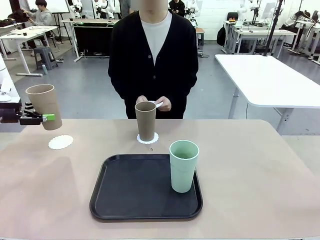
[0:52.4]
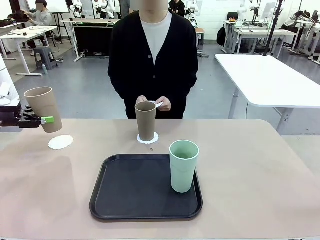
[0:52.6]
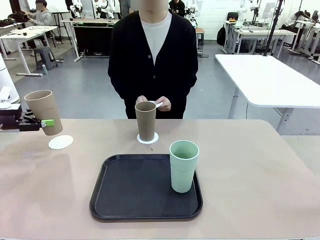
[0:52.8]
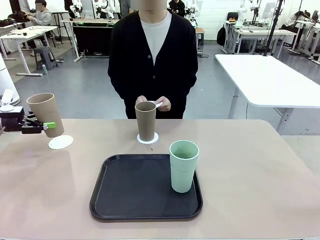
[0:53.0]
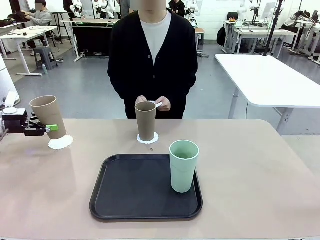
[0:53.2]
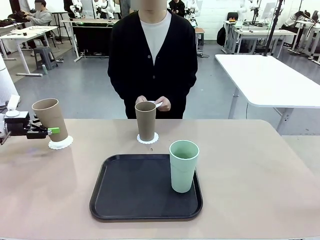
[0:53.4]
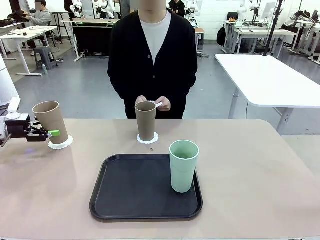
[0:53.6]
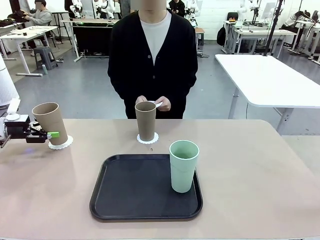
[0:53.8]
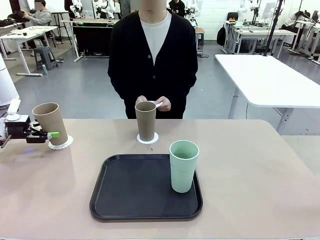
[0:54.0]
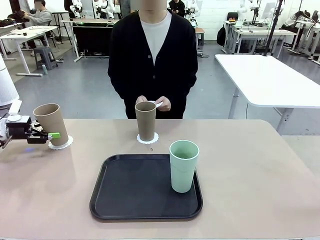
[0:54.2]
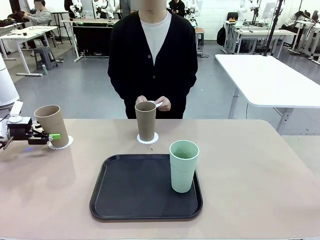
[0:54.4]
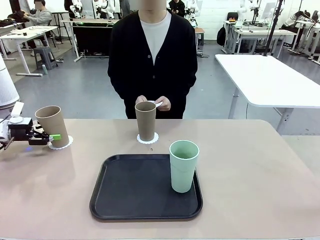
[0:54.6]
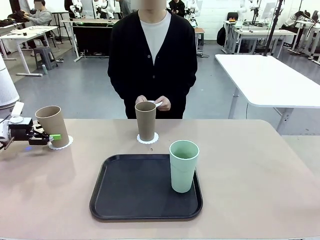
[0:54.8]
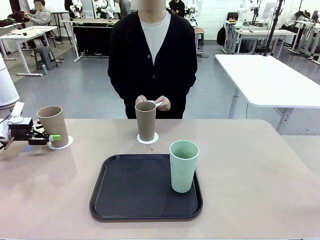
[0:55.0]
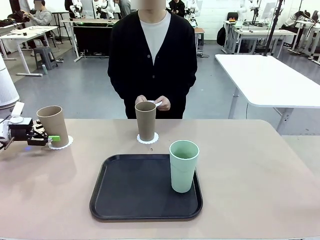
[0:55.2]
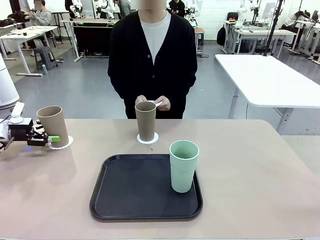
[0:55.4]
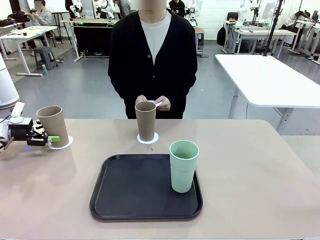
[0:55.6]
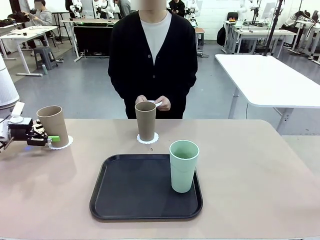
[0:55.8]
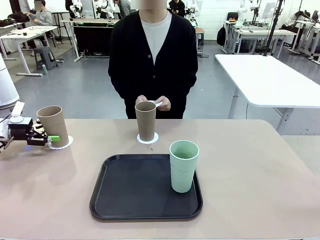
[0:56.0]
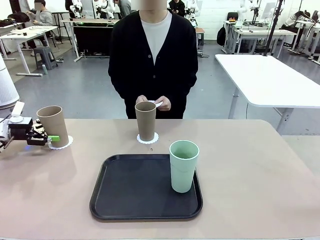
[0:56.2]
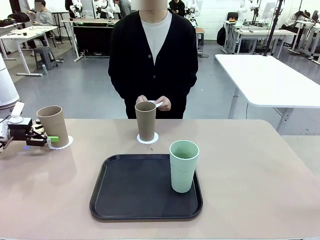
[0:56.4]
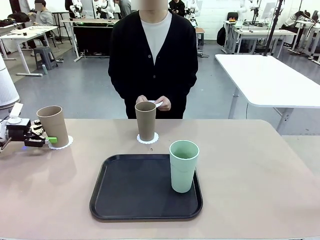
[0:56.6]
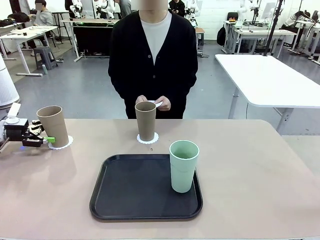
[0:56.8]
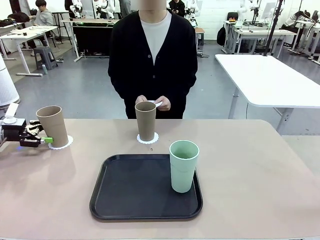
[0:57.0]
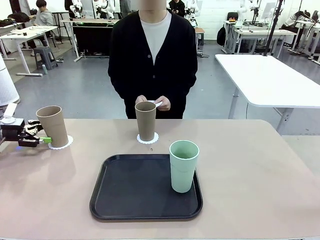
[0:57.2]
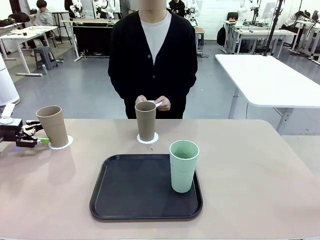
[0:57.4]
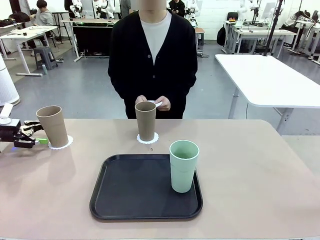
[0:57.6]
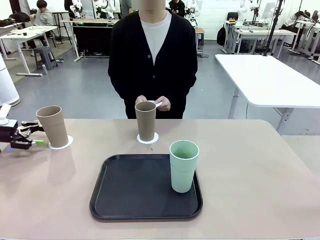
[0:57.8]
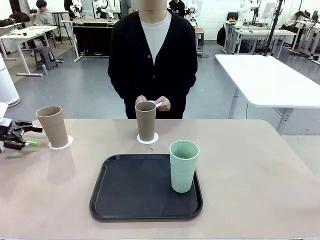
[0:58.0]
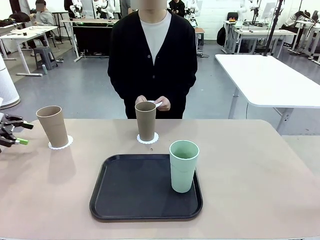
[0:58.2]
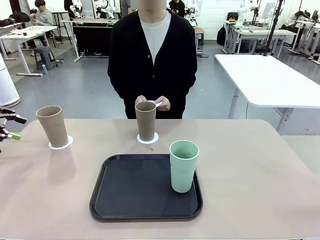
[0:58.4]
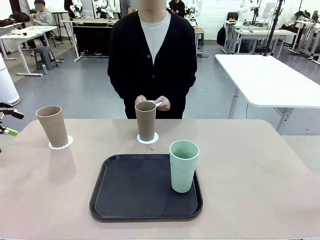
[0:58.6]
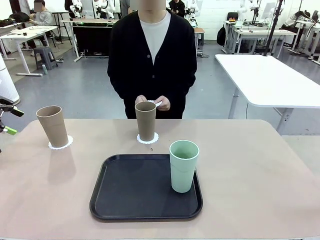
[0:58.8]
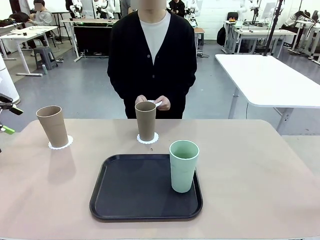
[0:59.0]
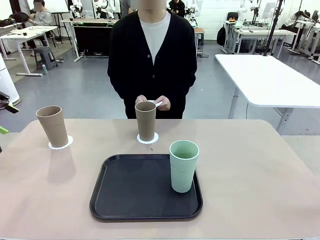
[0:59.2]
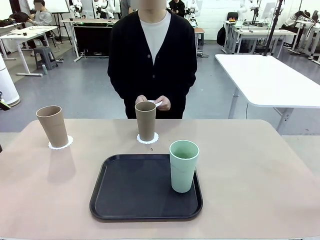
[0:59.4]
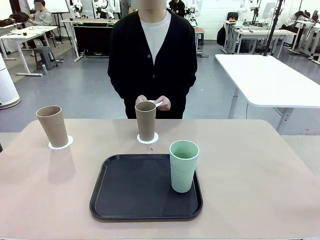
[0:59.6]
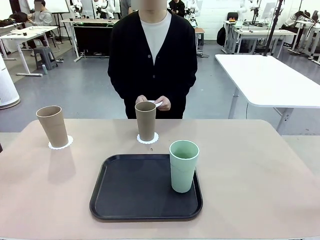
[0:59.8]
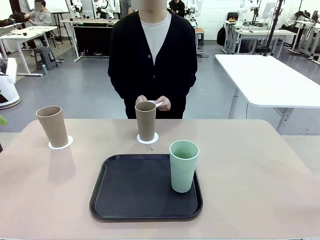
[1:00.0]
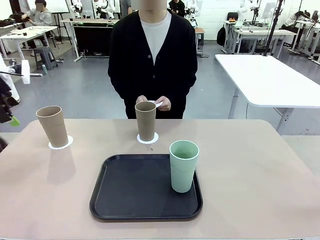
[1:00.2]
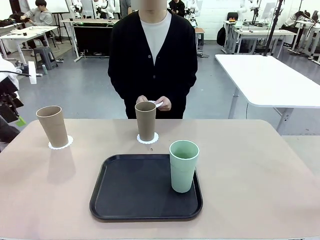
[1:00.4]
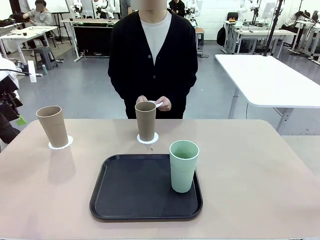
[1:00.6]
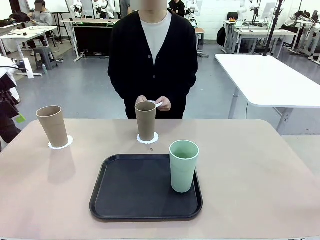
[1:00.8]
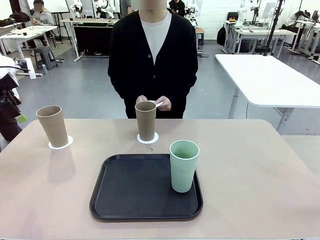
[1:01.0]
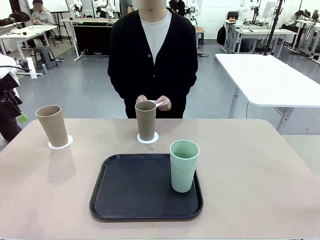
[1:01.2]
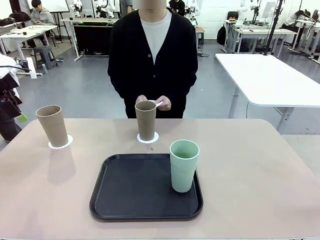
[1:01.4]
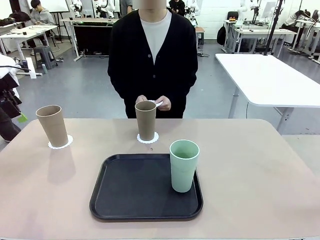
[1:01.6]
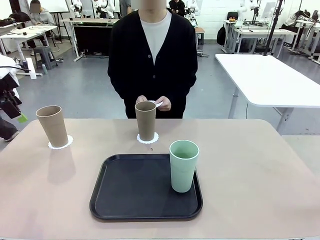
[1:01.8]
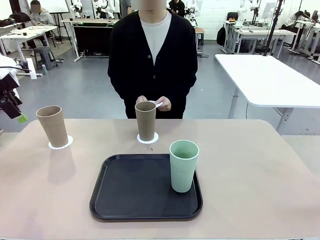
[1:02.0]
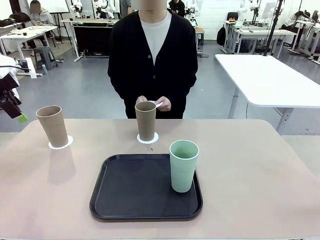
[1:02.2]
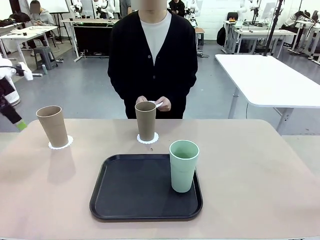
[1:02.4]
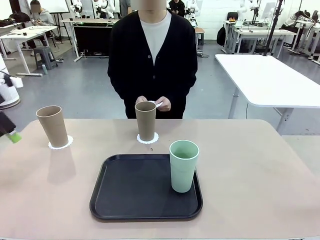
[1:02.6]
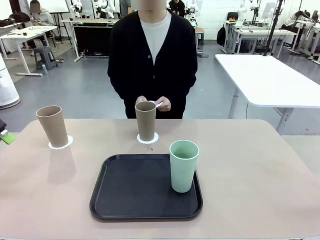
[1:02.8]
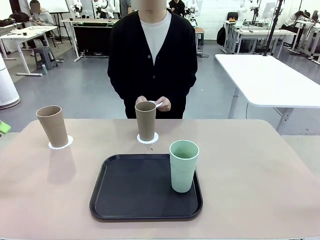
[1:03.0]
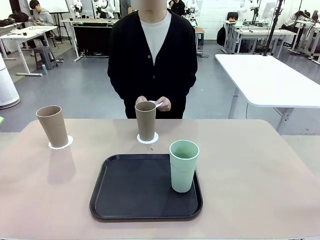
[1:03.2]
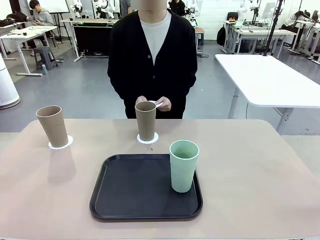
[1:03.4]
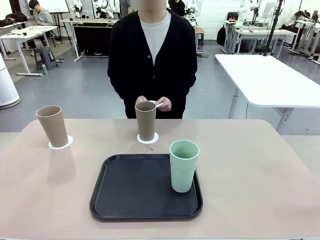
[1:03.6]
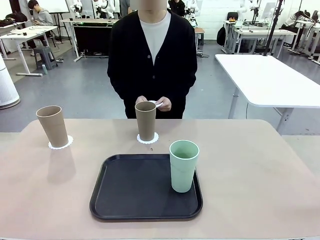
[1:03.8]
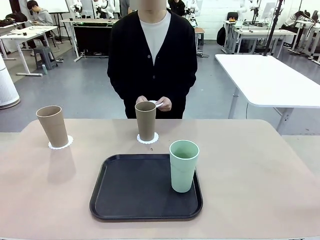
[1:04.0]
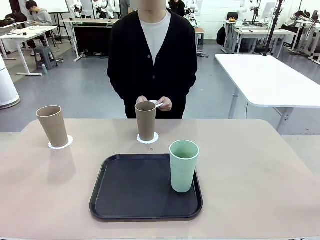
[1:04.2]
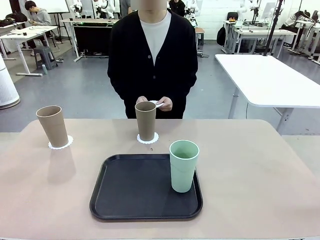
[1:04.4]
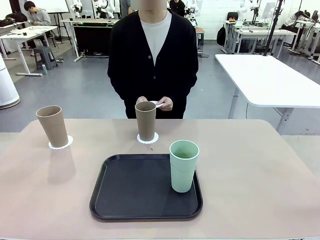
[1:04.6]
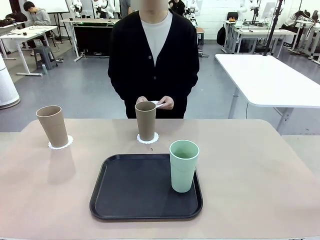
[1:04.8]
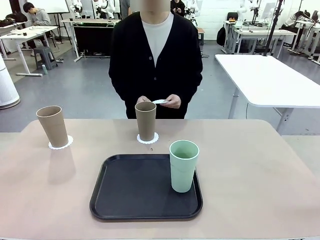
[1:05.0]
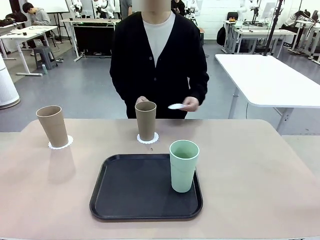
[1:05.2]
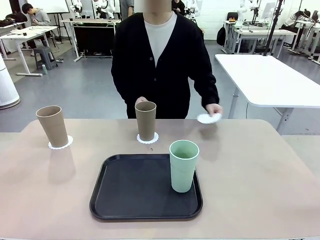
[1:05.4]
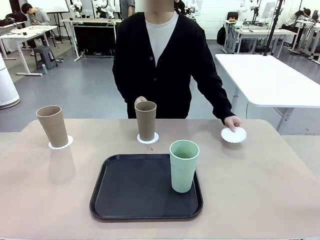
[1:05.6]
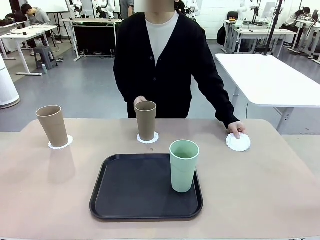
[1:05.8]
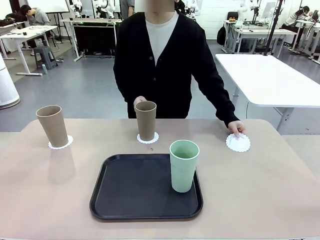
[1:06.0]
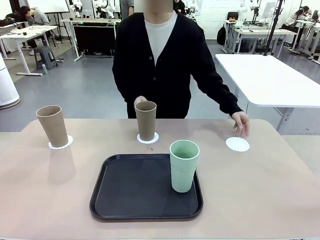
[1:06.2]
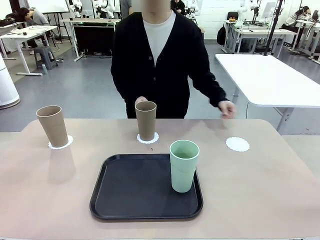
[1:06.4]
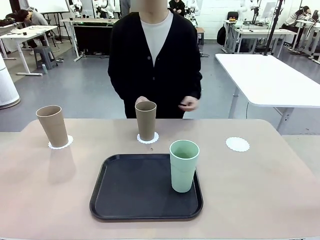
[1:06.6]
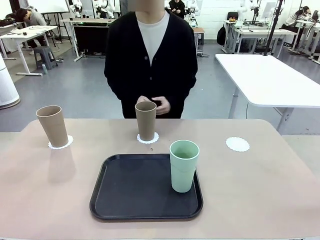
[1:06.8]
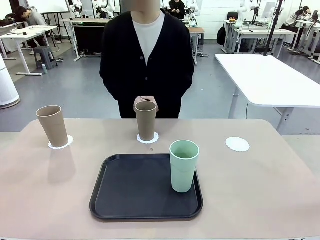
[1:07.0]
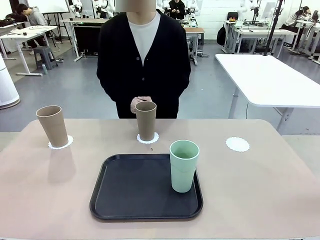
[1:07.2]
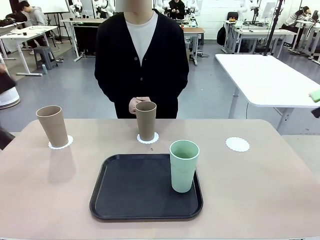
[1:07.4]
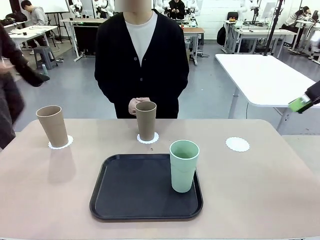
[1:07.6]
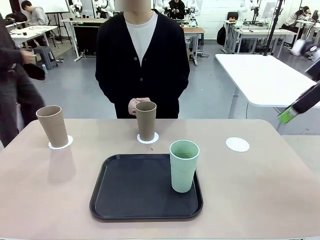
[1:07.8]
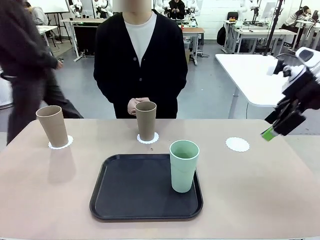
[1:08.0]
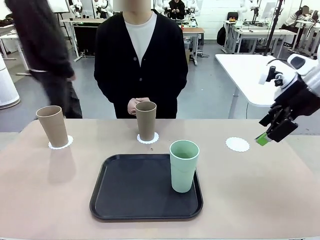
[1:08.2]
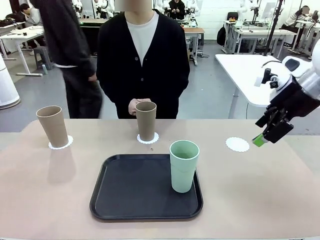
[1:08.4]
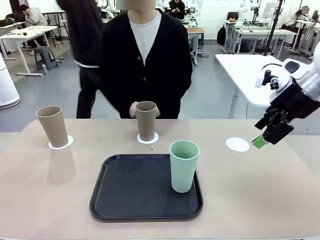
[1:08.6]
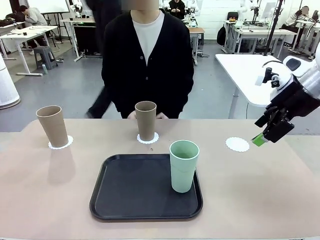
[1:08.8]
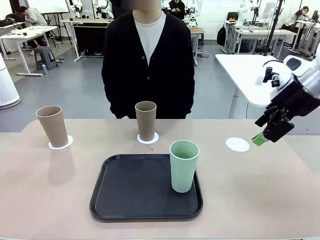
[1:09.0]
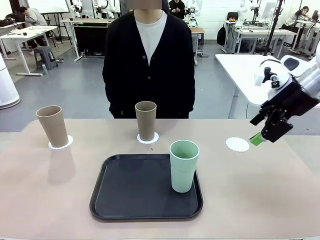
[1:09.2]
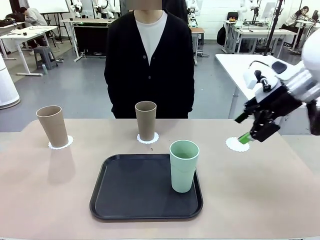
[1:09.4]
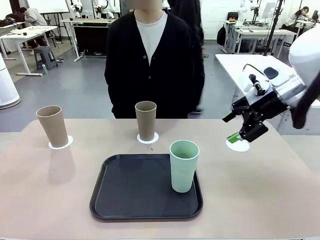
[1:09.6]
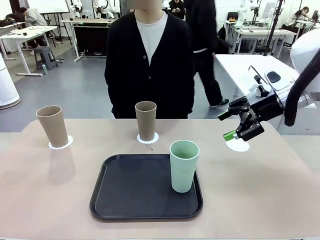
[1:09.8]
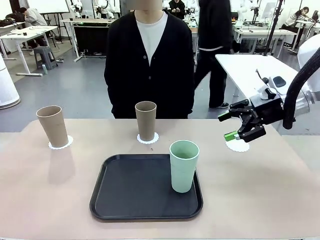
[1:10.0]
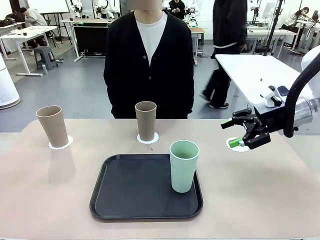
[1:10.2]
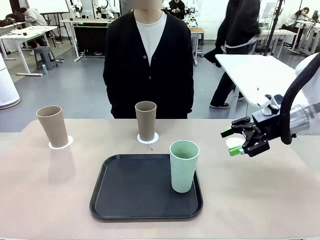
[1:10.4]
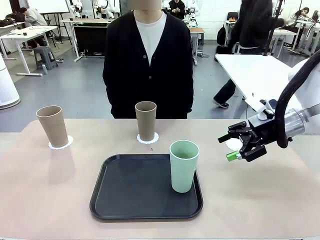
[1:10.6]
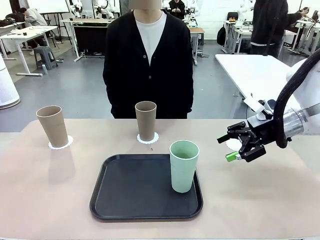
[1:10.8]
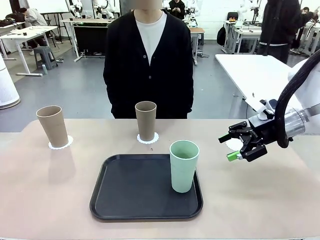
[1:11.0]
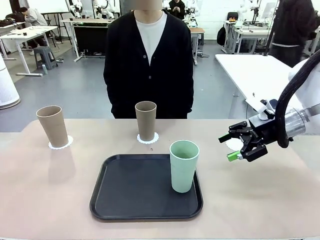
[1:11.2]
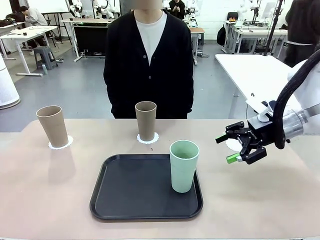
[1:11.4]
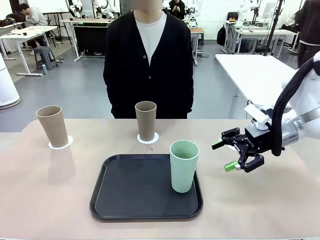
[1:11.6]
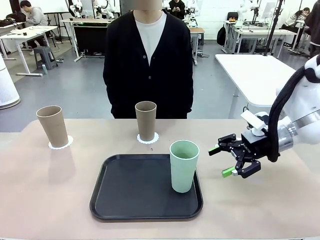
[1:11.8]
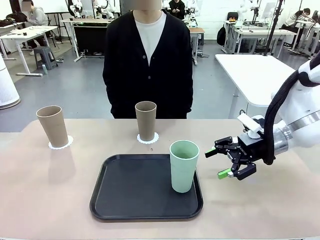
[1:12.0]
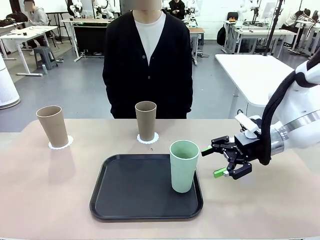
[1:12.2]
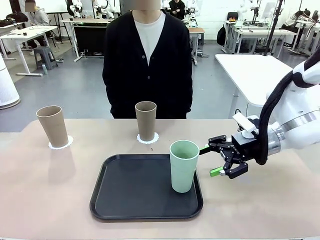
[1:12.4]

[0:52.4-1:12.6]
Task: Place coasters on the table and set cups on them.
Robot: Take one Reusable plastic cup from the Flat Tray and place it on a coaster set by the human.
